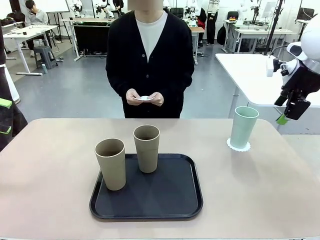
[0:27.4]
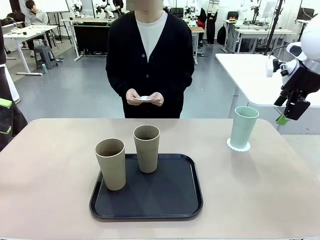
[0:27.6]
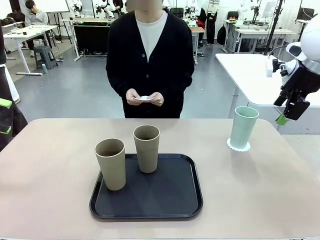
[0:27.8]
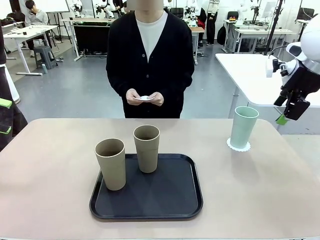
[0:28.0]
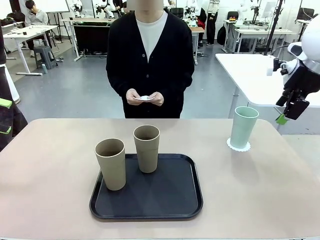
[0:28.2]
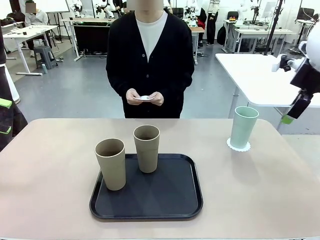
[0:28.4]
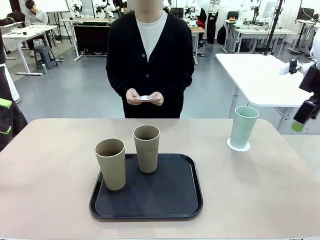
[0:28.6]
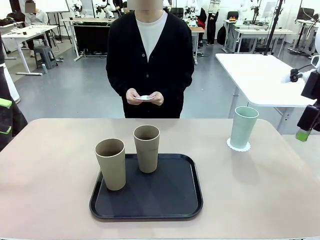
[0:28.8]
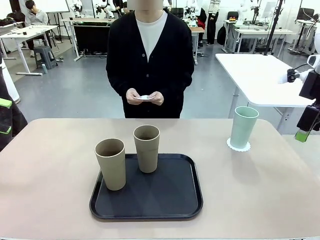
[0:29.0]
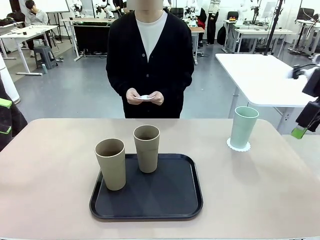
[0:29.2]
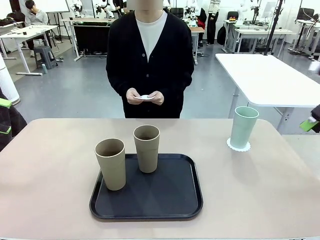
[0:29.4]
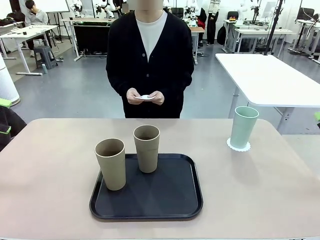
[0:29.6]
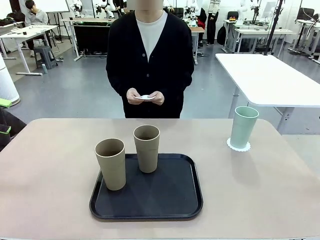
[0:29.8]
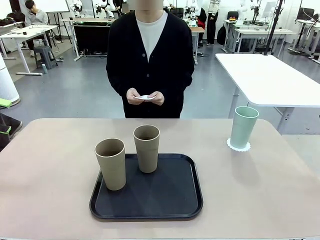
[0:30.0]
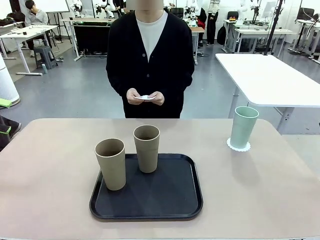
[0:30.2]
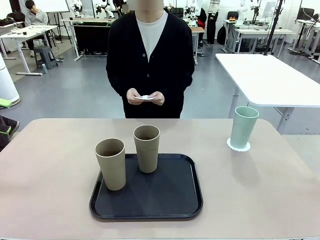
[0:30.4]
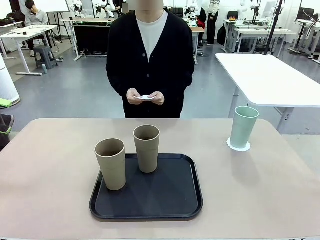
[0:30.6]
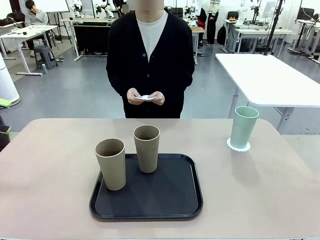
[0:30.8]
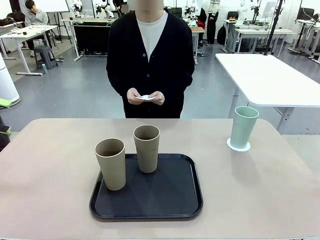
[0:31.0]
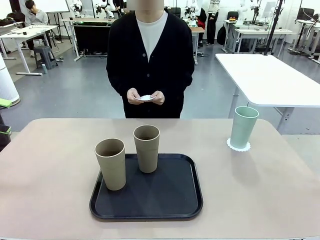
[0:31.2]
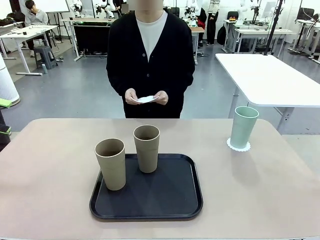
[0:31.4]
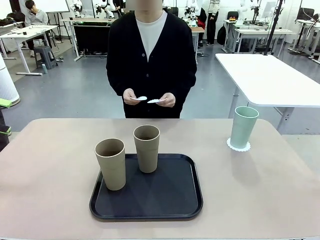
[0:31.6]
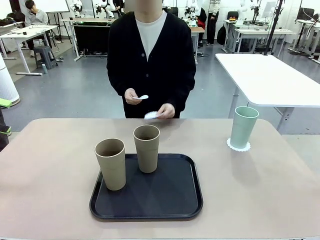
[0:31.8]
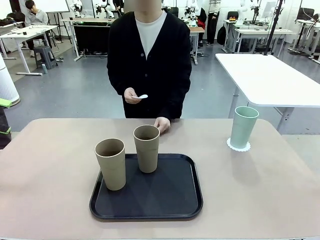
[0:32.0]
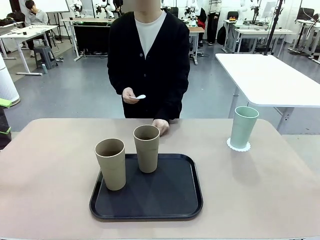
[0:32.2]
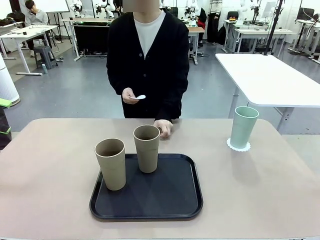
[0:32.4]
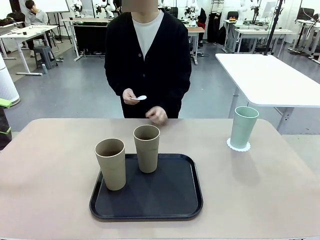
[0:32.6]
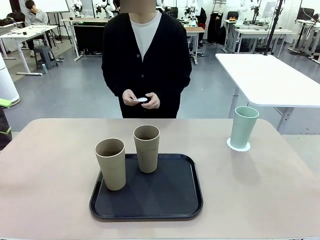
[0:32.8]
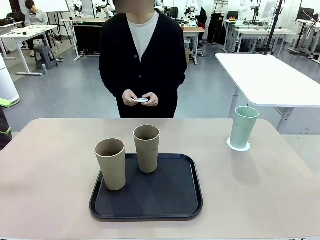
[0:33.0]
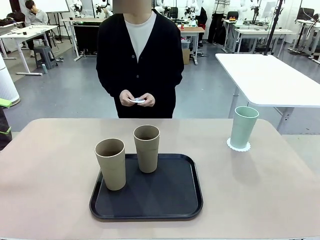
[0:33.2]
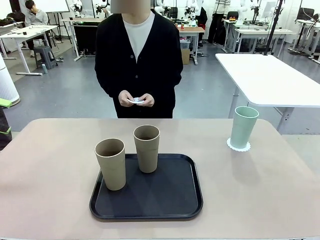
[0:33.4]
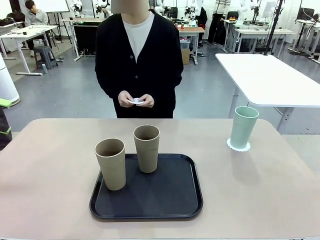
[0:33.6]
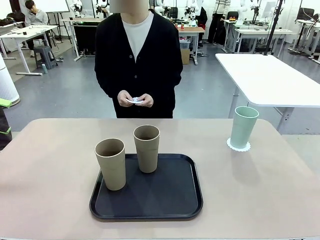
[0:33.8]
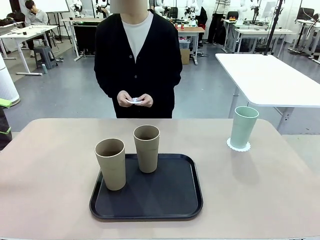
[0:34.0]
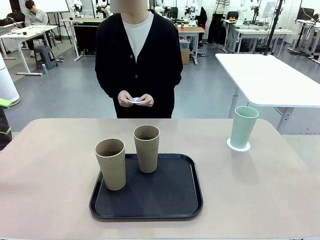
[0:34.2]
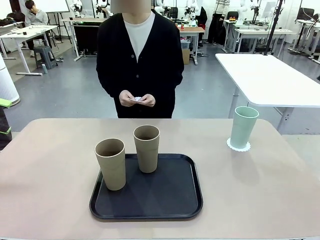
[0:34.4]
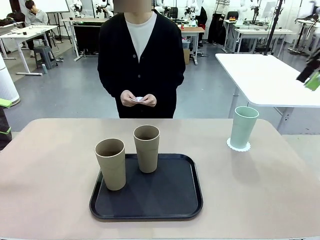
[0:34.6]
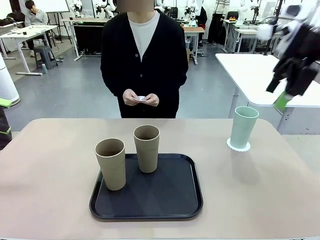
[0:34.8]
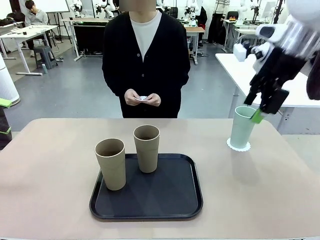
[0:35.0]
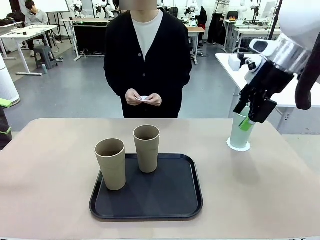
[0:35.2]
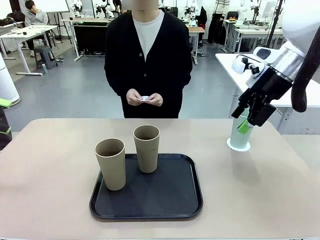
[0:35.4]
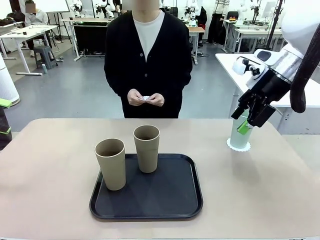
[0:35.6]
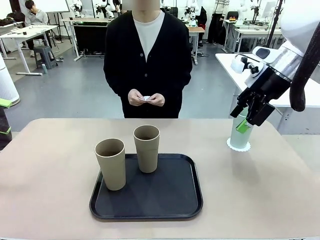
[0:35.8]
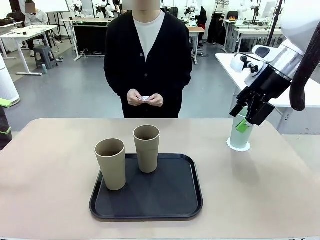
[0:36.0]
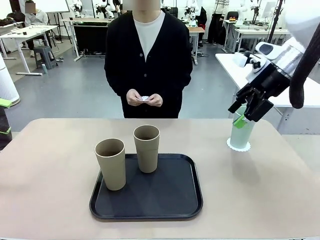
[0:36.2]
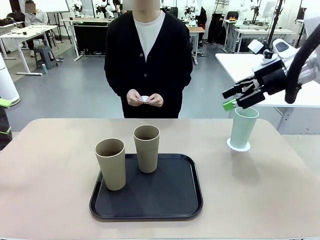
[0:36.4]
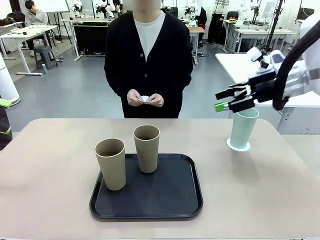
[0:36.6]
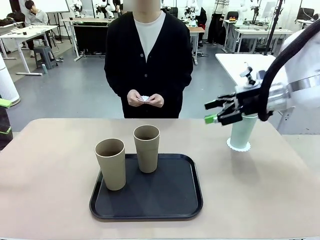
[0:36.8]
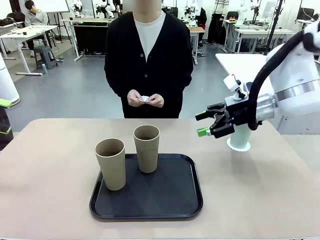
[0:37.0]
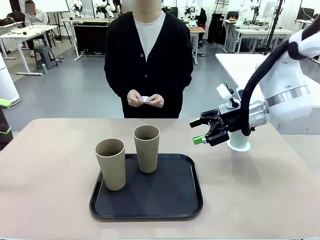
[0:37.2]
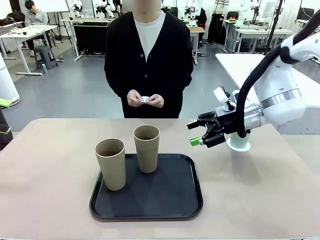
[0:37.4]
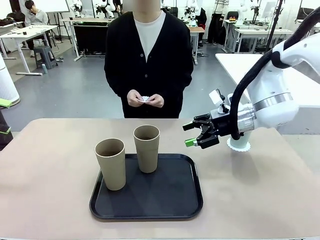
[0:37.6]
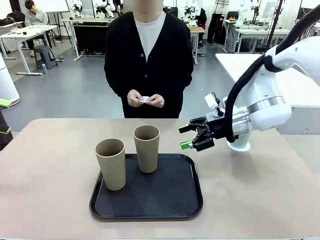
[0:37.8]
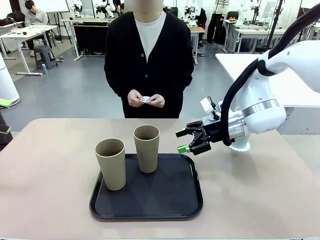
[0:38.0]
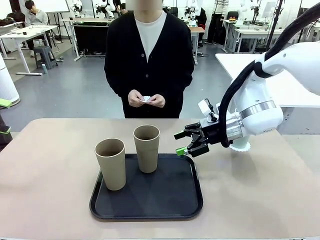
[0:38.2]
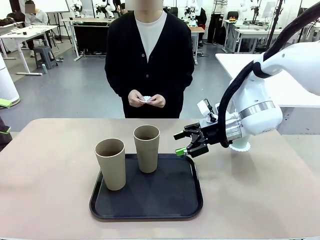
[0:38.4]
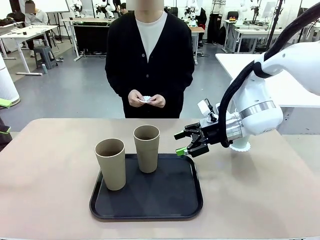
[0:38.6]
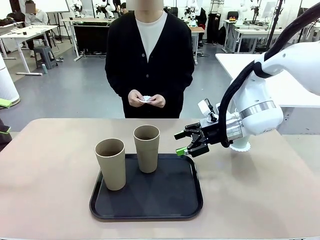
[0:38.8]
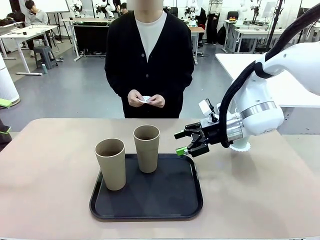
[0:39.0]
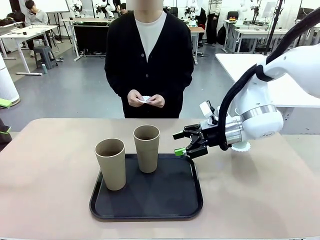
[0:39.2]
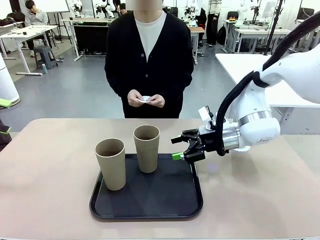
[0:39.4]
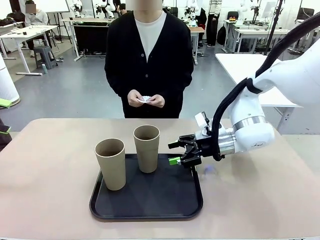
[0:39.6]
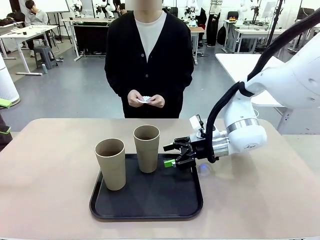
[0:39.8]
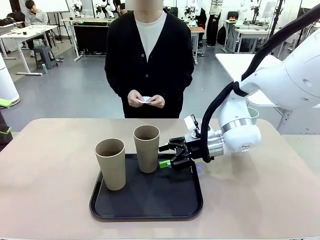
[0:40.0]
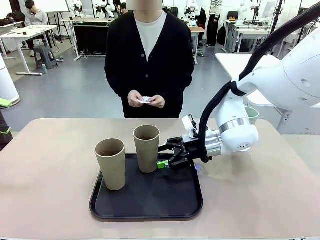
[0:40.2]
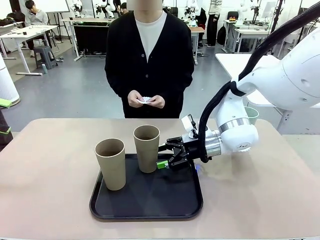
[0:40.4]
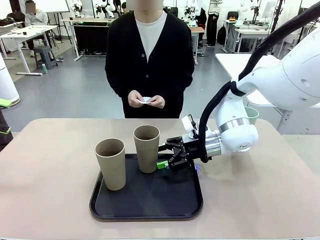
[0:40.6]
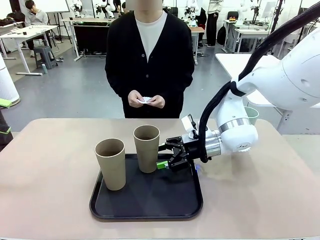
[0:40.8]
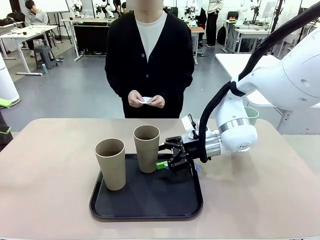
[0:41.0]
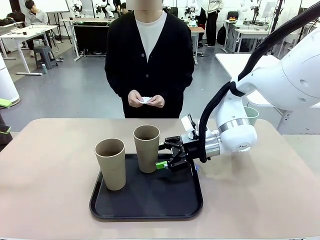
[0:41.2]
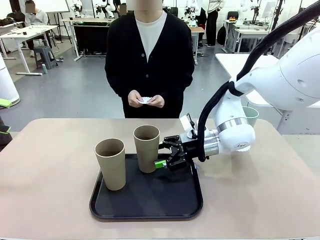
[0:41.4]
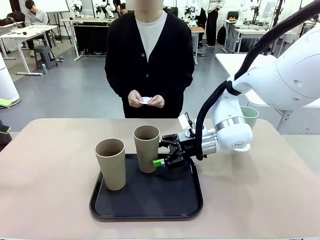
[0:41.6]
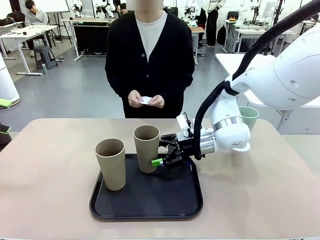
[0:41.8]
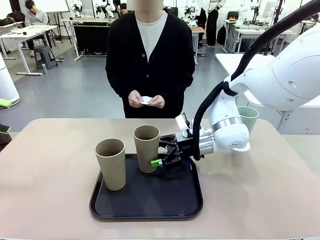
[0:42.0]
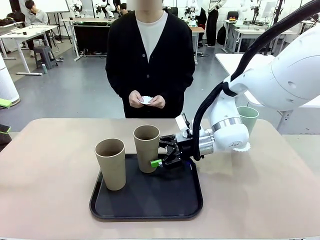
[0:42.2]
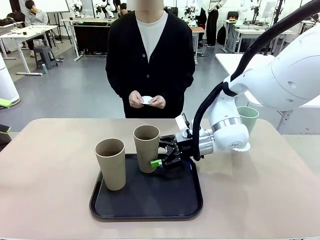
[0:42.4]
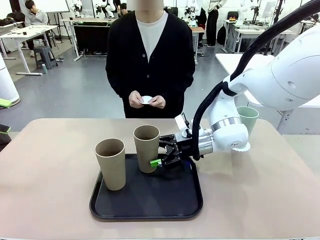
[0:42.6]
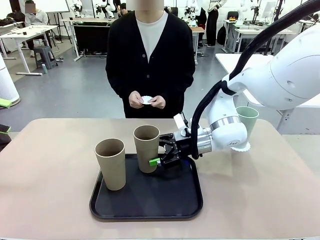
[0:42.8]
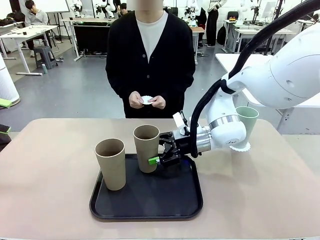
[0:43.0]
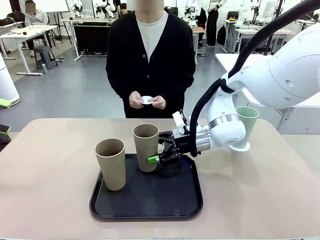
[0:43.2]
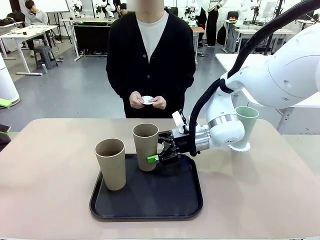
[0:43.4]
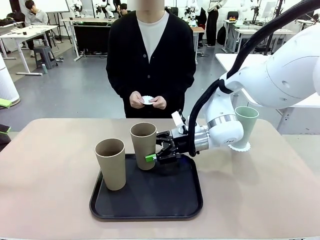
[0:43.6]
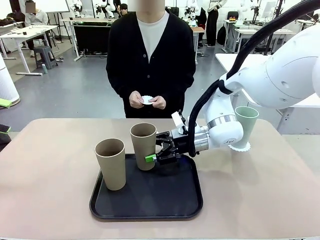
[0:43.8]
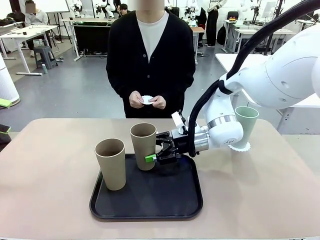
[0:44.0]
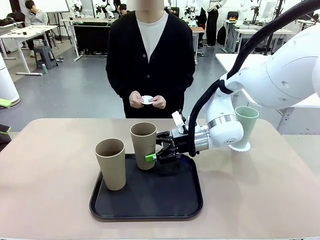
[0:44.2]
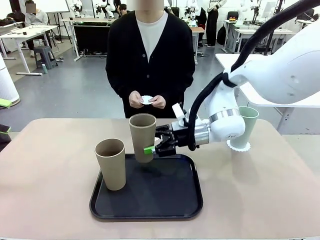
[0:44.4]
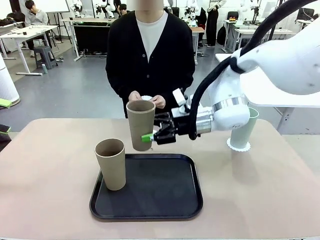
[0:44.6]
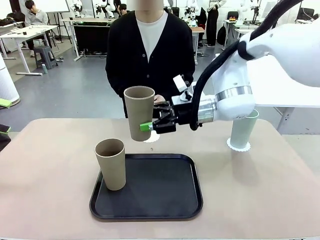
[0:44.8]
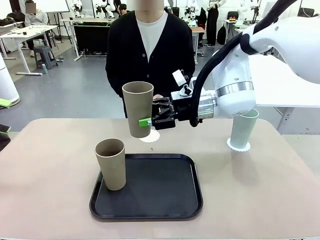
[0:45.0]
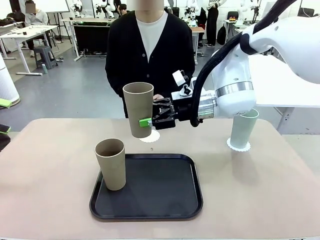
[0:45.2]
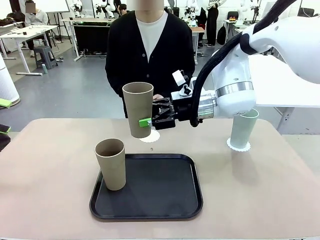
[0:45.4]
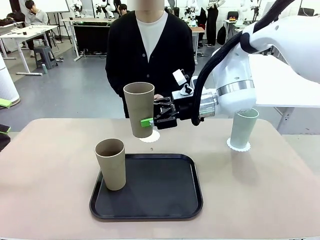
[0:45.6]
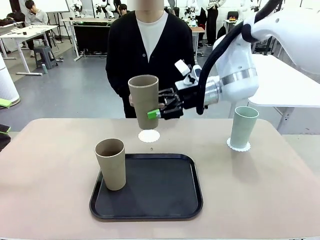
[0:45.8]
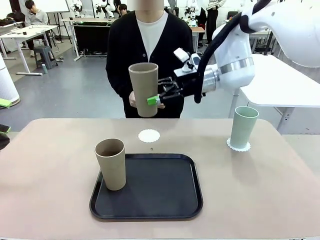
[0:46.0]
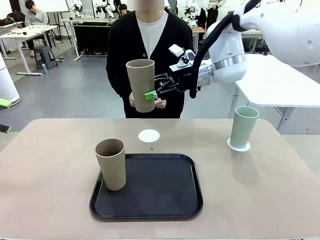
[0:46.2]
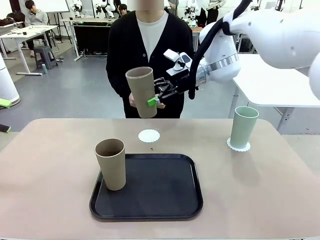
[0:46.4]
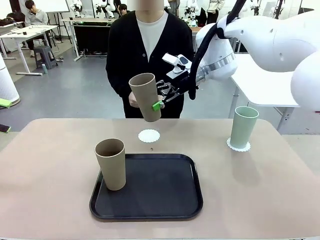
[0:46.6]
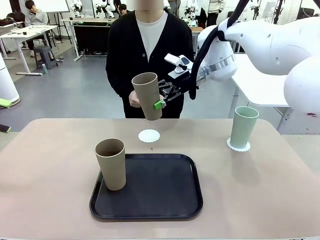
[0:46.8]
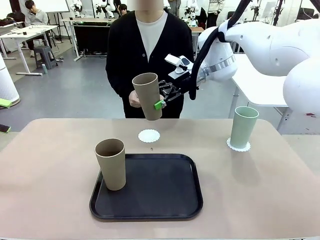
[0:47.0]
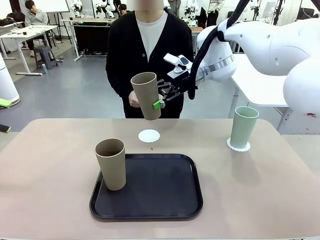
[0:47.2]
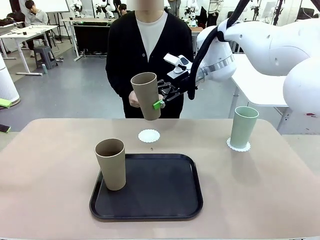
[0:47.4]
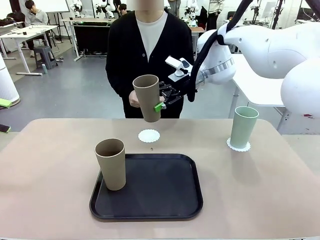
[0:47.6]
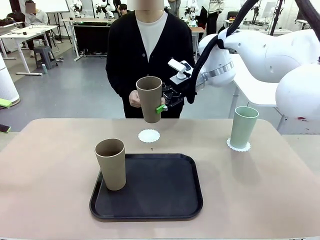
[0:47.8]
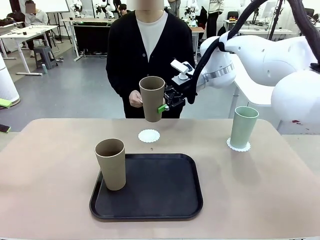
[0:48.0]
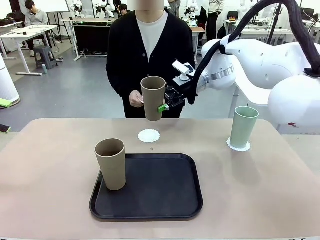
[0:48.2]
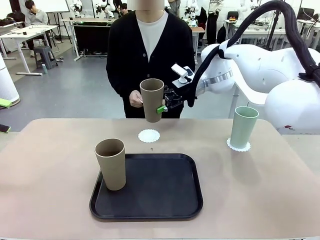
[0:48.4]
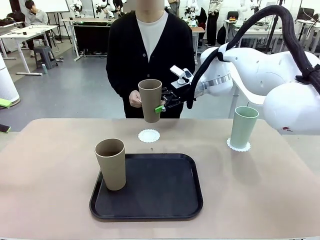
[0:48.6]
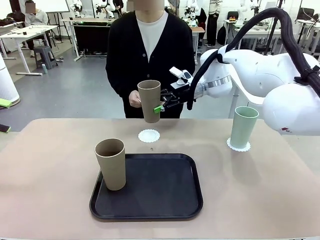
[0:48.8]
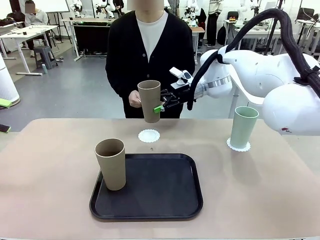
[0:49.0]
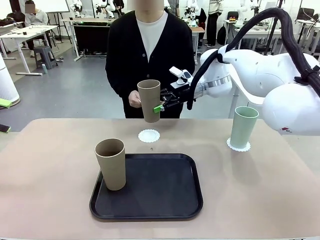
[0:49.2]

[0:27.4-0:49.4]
Task: Place coasters on the table and set cups on them.
Robot: Take one Reusable plastic cup from the Flat Tray and place it on a coaster set by the human.
